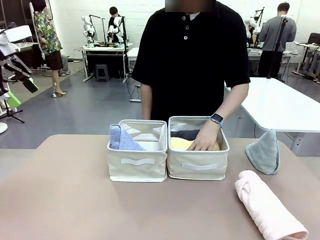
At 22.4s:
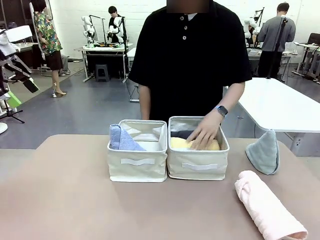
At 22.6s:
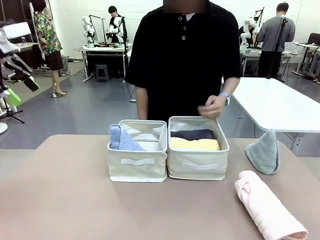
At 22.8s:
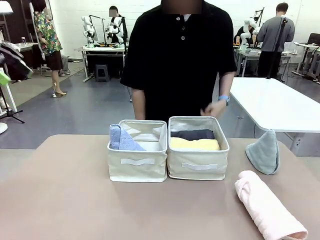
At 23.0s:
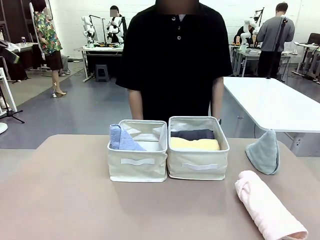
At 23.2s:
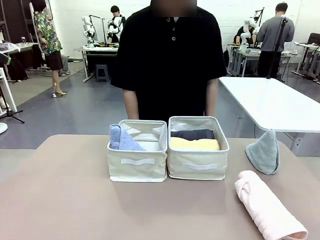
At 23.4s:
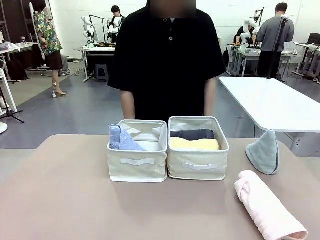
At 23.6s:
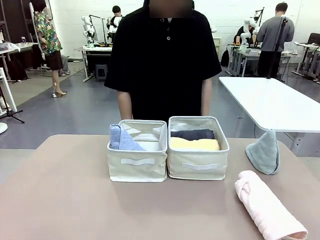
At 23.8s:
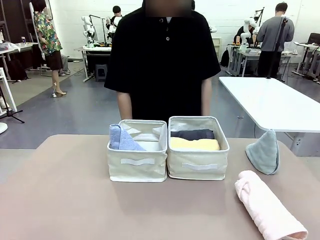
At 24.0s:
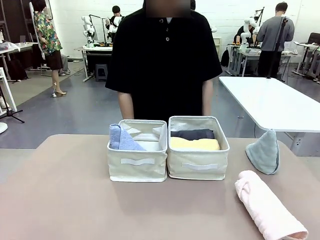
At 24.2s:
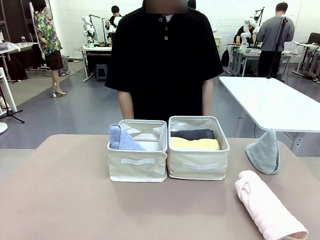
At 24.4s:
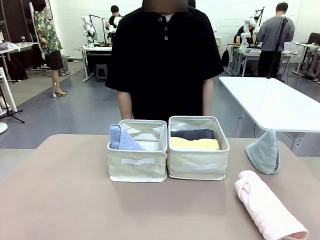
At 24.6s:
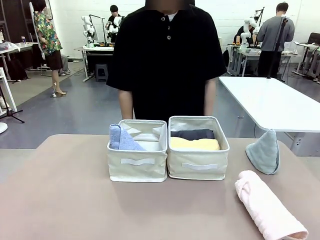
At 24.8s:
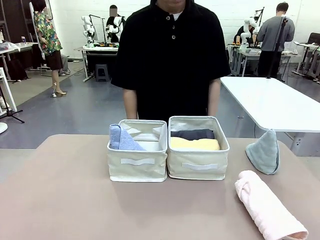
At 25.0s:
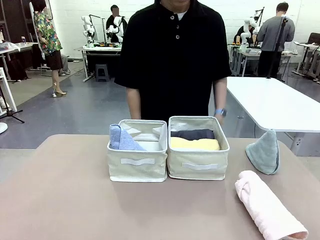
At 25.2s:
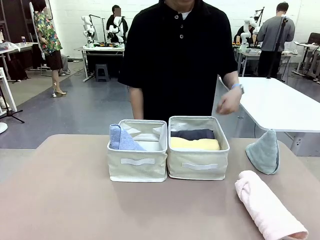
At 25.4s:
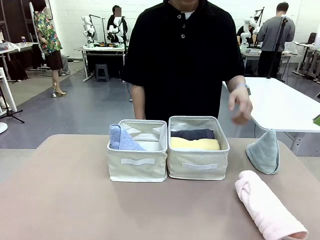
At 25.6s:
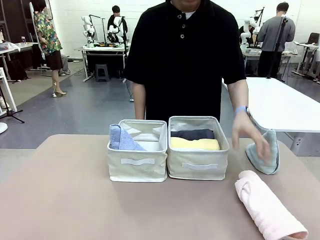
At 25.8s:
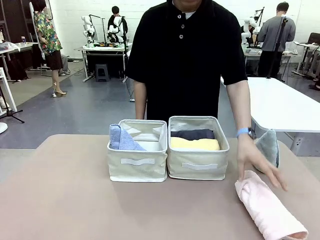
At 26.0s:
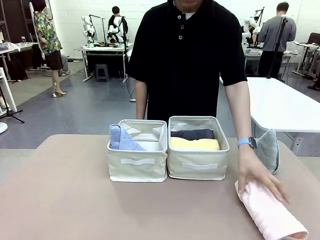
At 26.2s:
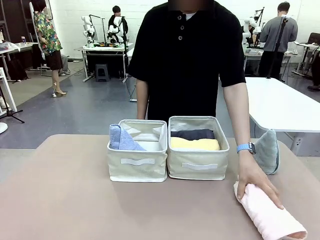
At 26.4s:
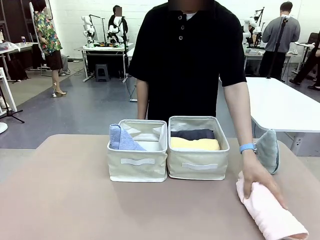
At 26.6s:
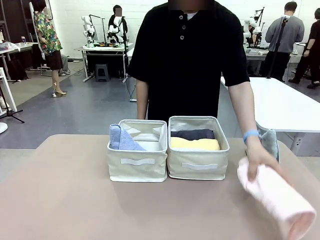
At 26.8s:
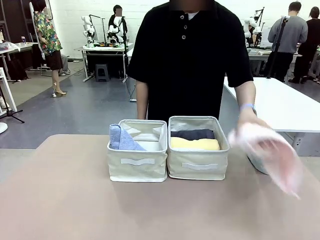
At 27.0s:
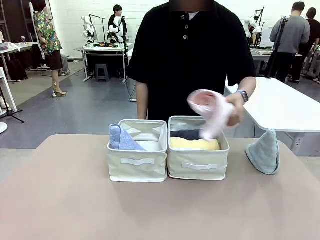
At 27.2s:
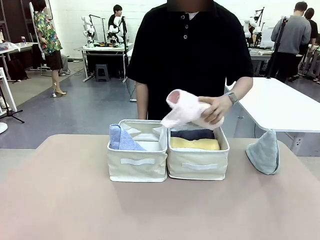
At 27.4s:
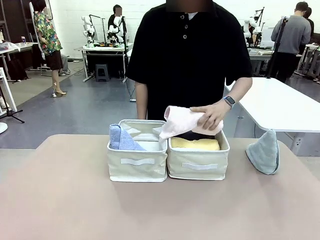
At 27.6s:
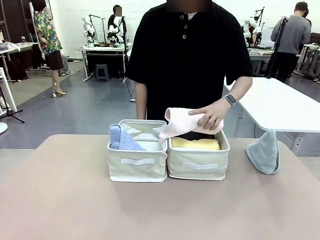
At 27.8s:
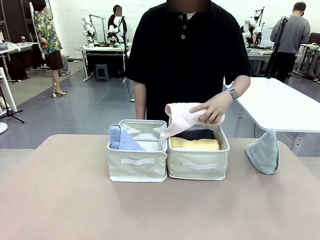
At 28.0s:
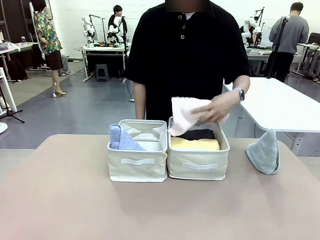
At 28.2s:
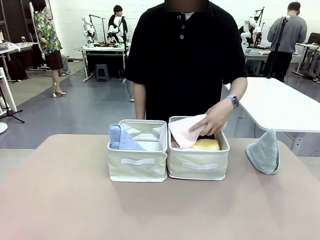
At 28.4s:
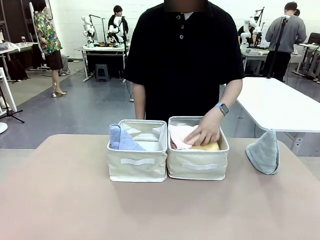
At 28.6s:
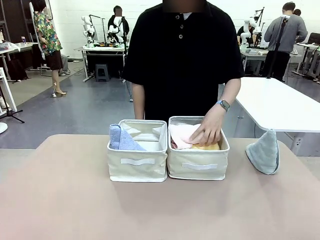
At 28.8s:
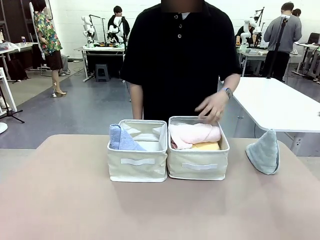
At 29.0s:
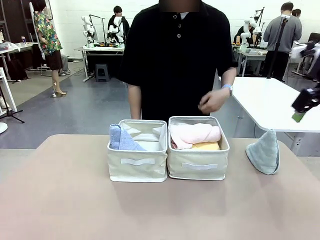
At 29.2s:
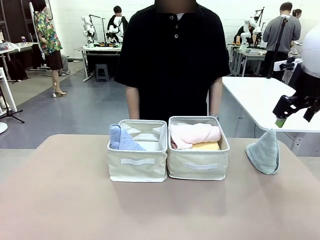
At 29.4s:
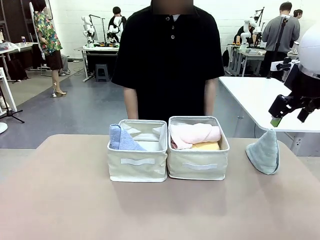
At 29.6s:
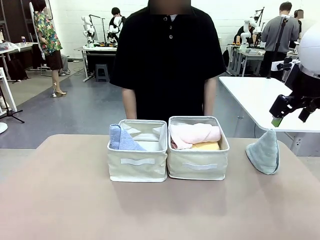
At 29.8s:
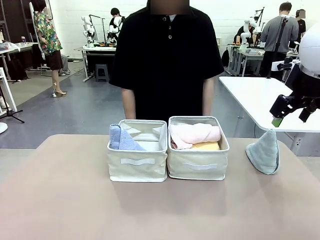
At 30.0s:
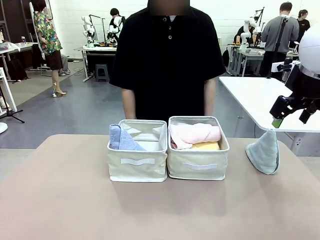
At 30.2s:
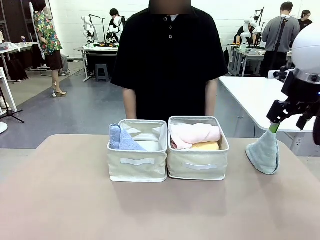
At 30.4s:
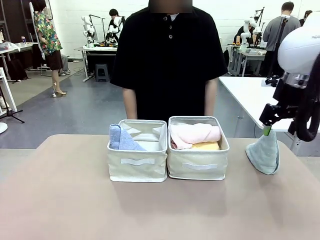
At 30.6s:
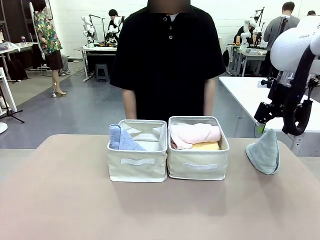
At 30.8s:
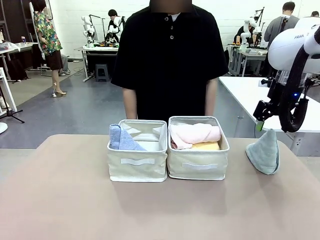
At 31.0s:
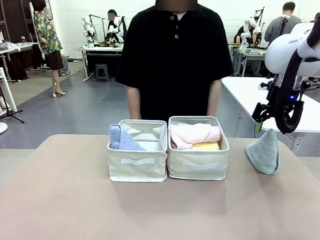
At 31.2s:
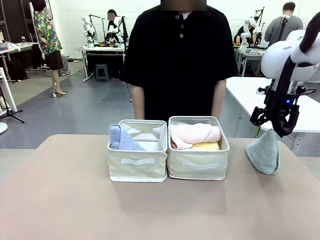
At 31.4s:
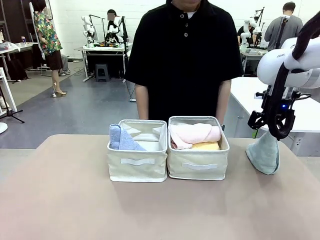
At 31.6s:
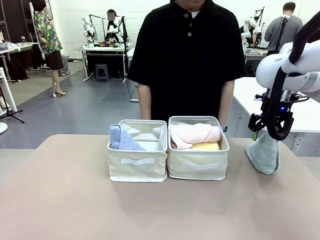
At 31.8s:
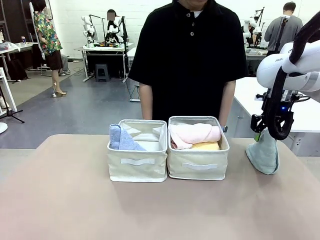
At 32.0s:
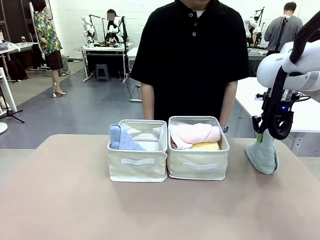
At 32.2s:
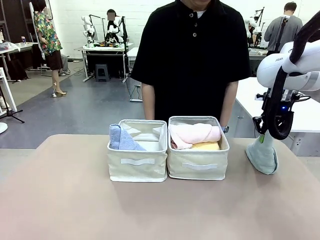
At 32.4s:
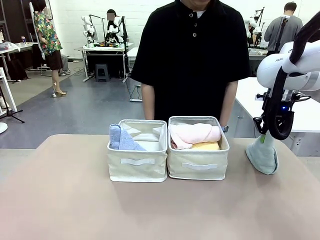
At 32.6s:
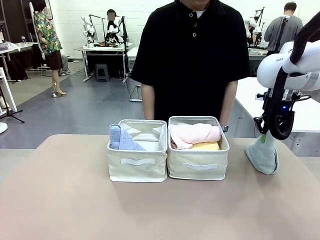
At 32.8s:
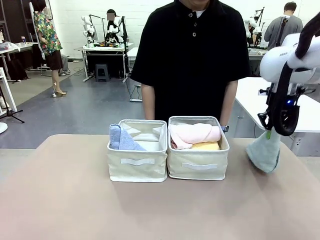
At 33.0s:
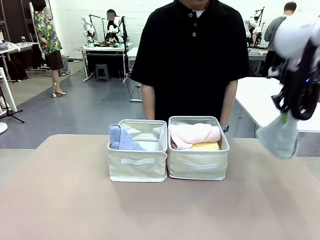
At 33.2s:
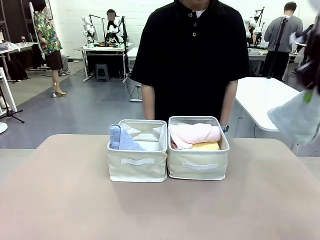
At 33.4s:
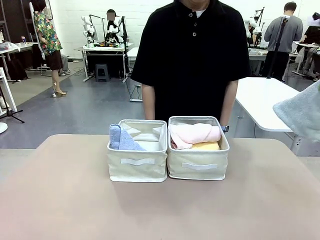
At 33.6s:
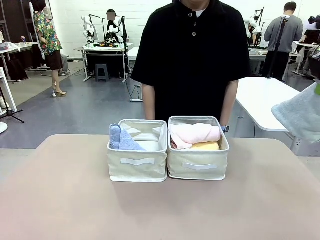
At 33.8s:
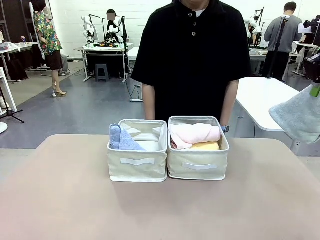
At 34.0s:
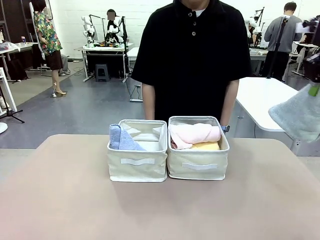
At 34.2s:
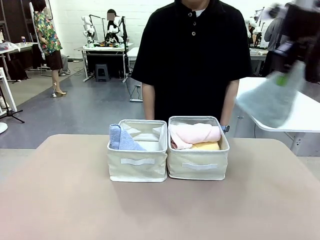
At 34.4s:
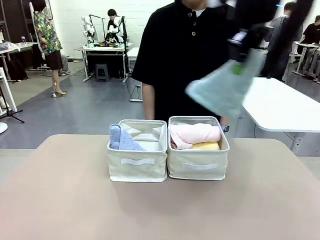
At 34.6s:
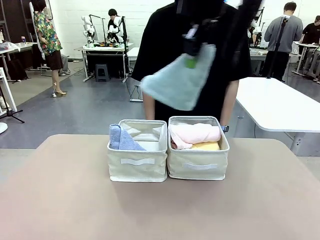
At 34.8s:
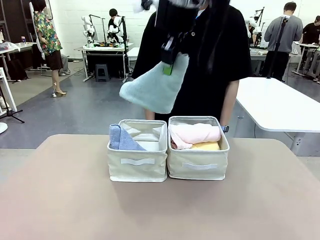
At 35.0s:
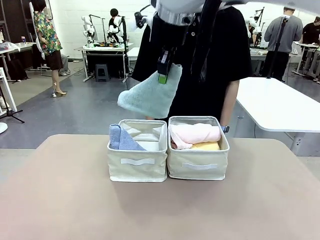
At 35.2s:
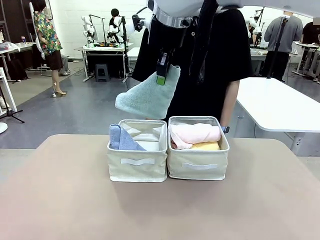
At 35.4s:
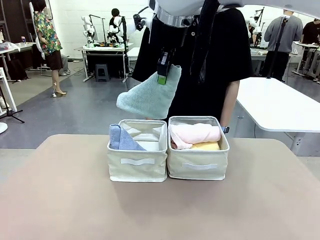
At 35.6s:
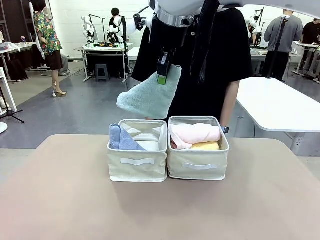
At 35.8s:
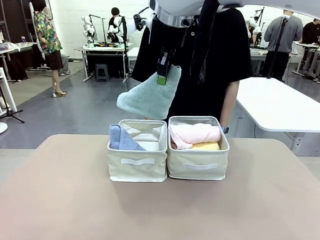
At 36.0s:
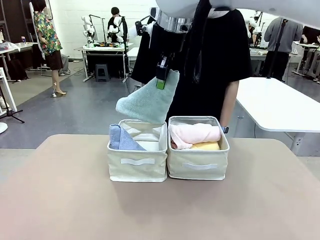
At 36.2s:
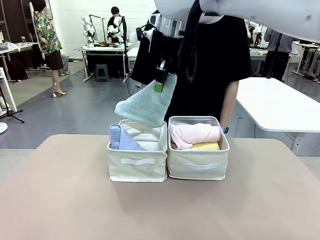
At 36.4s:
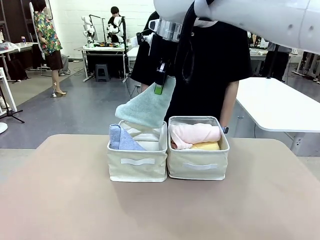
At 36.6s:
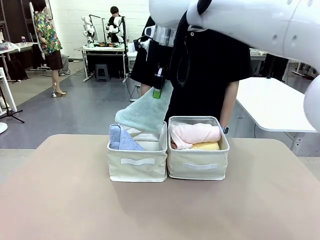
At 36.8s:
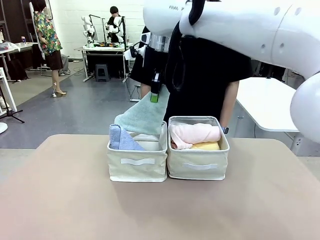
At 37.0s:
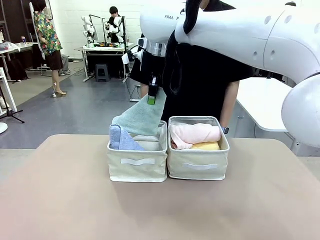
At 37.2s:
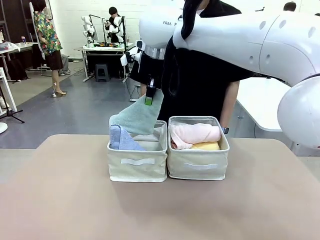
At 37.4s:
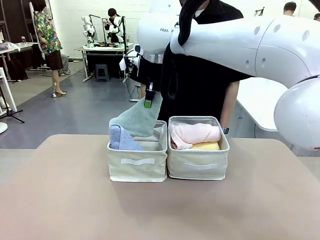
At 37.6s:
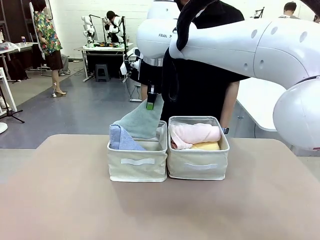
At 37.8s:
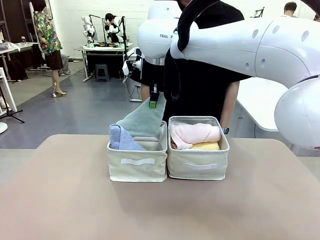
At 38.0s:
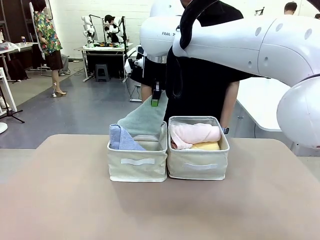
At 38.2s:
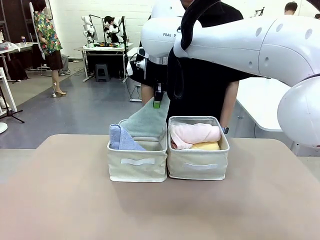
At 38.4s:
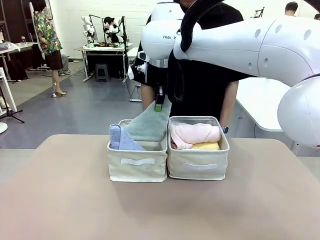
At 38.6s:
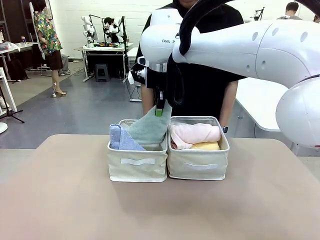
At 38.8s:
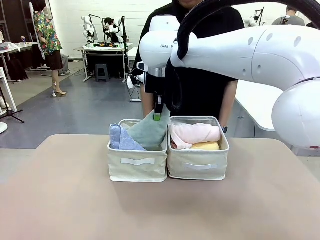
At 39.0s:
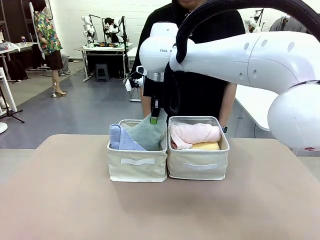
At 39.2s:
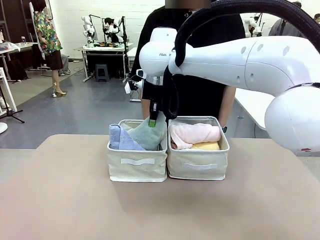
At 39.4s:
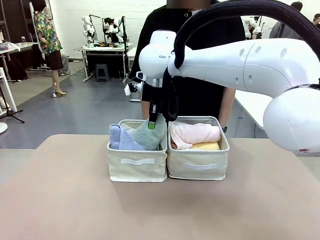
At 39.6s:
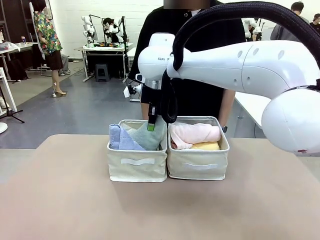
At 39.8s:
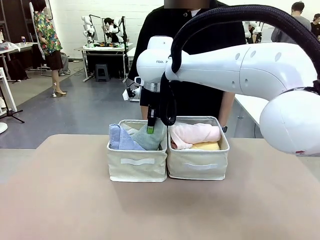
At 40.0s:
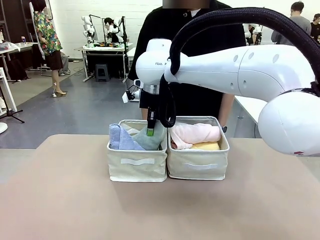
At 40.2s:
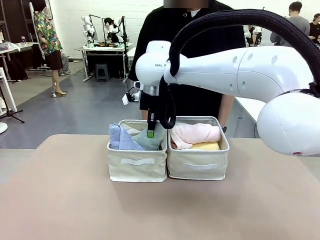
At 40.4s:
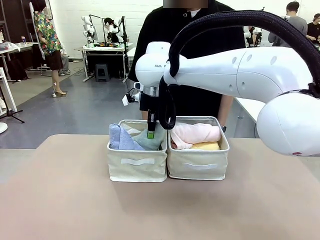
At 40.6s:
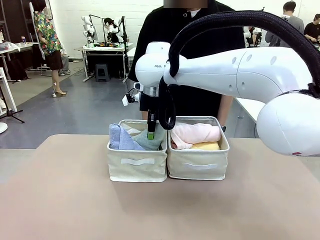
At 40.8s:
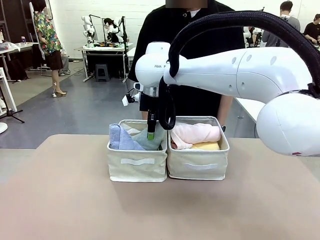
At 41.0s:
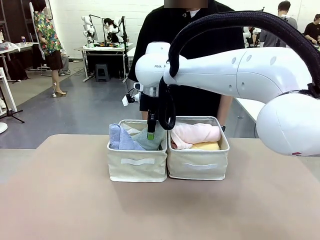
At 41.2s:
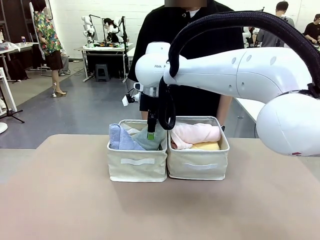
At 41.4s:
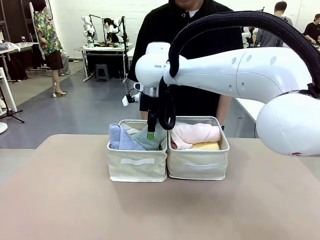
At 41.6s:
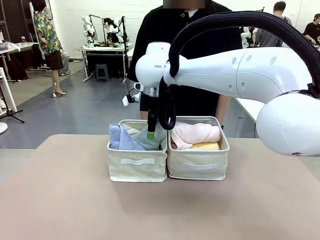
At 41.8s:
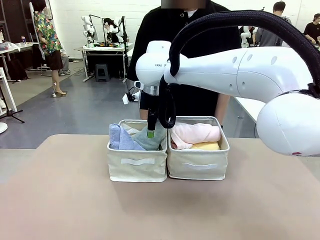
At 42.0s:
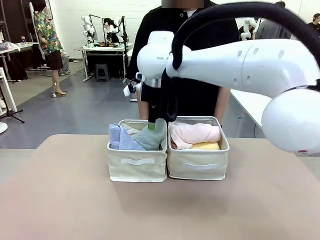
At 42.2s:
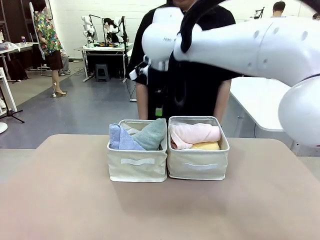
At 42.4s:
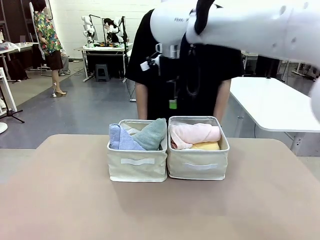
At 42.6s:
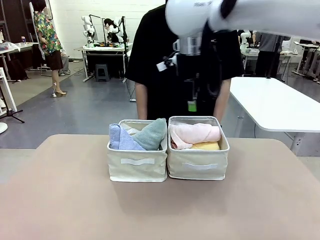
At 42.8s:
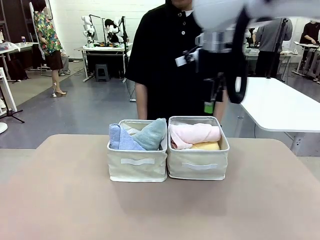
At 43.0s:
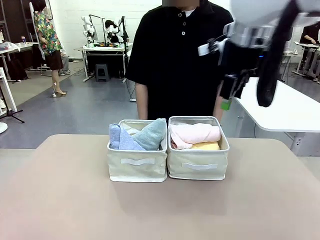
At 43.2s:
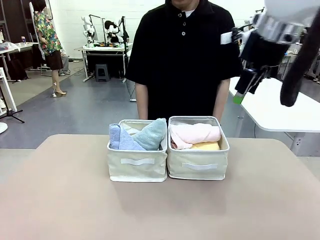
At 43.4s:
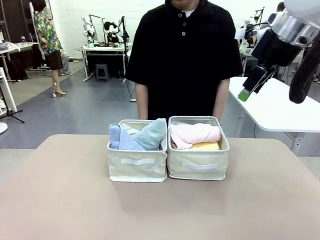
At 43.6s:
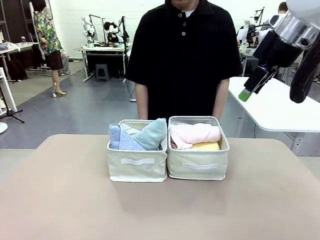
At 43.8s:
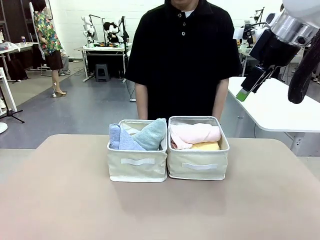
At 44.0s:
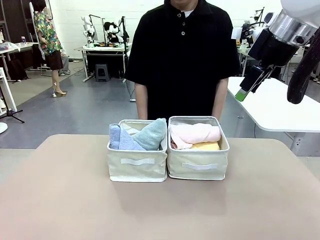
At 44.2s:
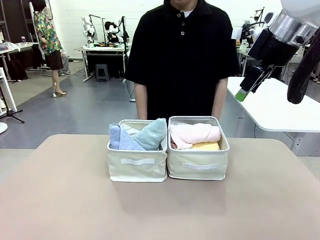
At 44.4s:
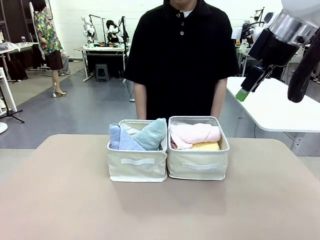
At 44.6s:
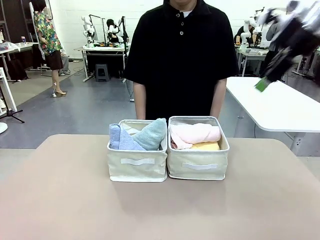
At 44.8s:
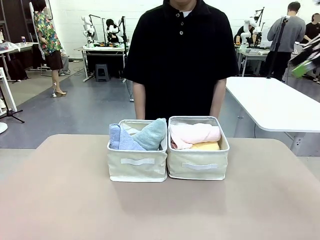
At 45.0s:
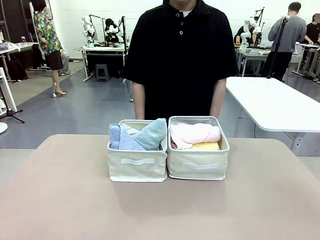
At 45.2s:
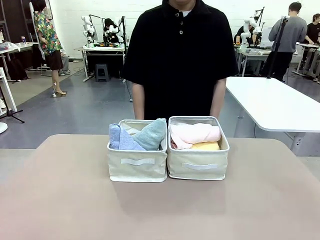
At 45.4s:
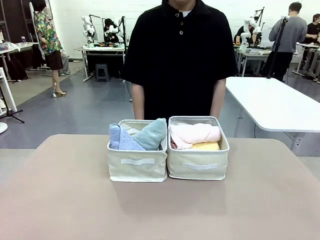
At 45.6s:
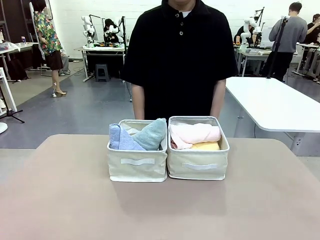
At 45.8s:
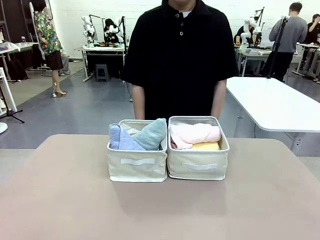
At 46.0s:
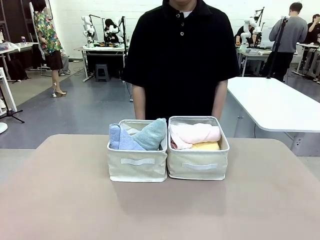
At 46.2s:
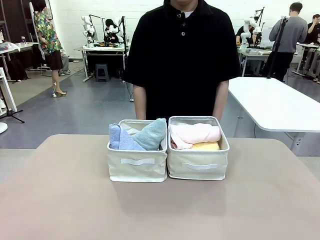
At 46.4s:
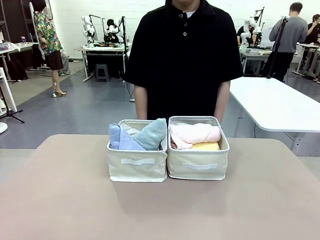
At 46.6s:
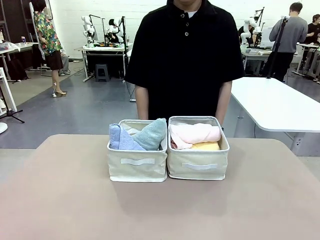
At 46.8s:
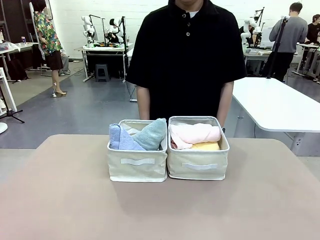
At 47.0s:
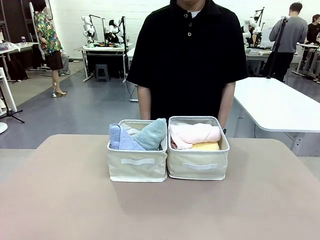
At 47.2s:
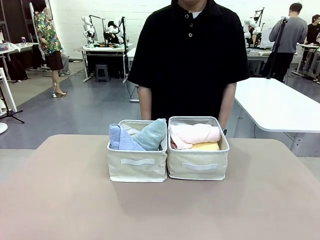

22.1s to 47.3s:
Task: Sort the towels based on their folding style.
Robot: Pick up another triangle-folded towel from the table and place it in the left Fabric basket.
Person: Pick up one hotel-style rolled towel from the table and place it in the left fabric basket.
